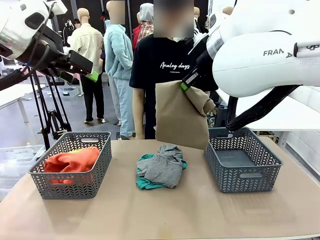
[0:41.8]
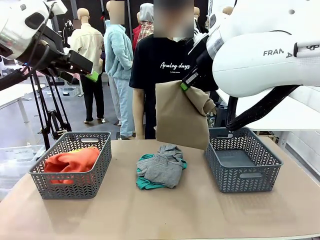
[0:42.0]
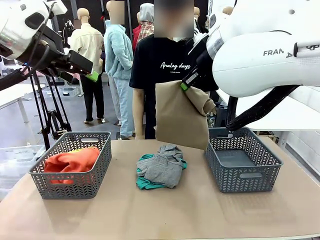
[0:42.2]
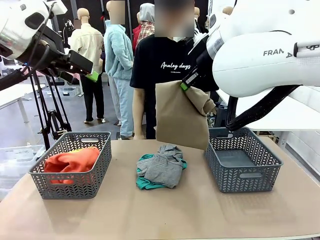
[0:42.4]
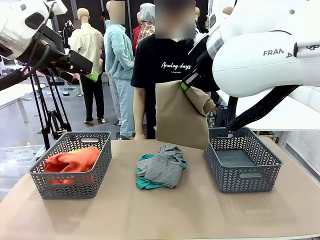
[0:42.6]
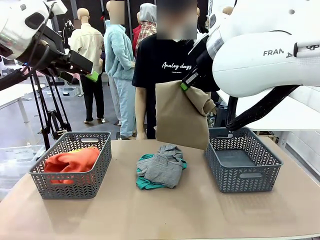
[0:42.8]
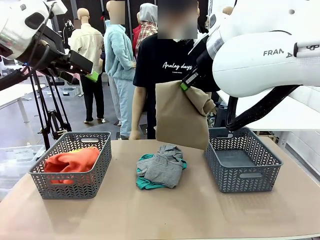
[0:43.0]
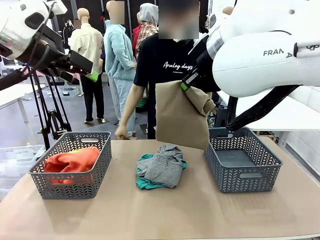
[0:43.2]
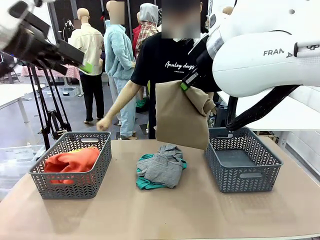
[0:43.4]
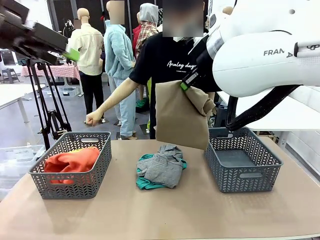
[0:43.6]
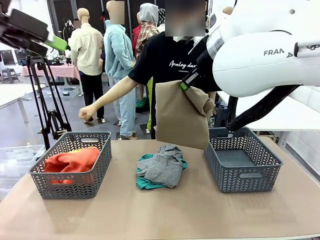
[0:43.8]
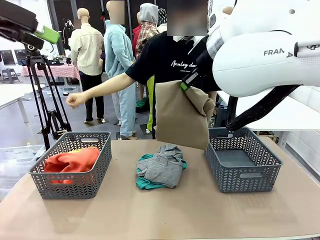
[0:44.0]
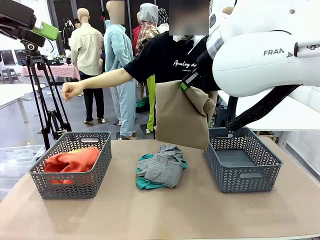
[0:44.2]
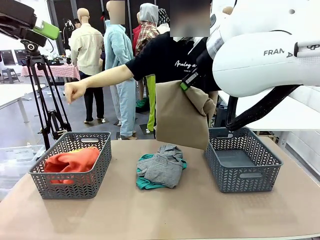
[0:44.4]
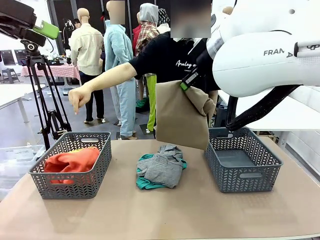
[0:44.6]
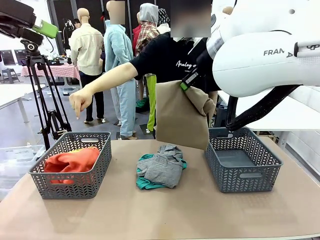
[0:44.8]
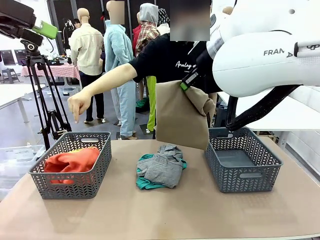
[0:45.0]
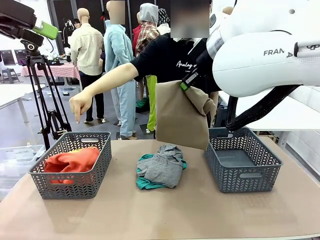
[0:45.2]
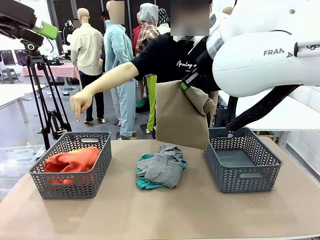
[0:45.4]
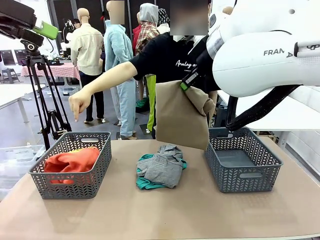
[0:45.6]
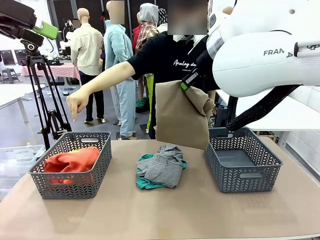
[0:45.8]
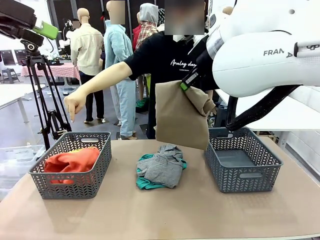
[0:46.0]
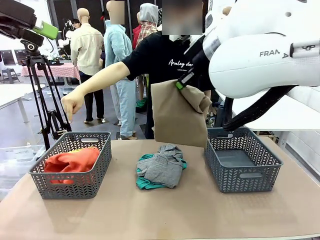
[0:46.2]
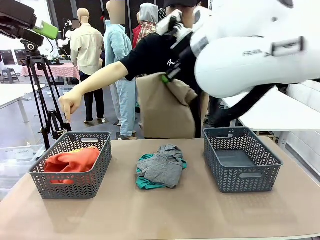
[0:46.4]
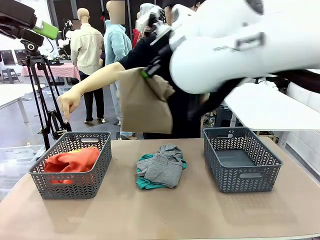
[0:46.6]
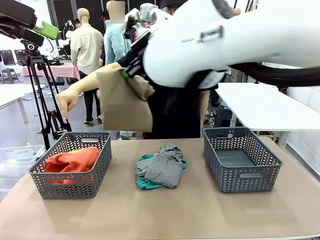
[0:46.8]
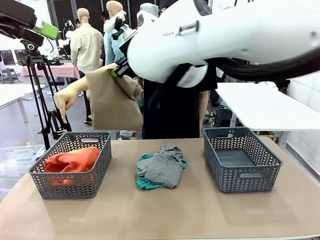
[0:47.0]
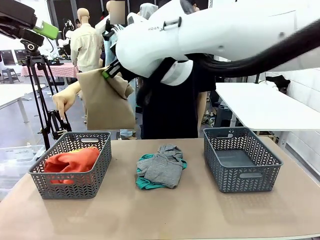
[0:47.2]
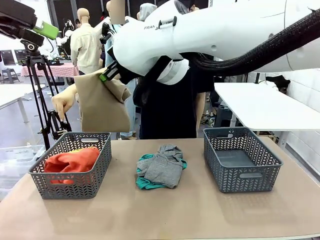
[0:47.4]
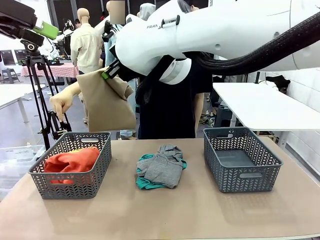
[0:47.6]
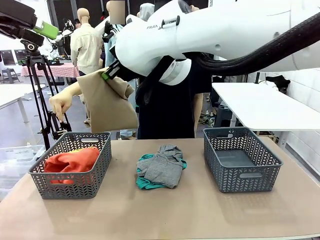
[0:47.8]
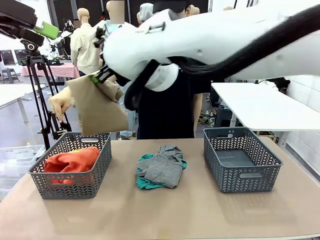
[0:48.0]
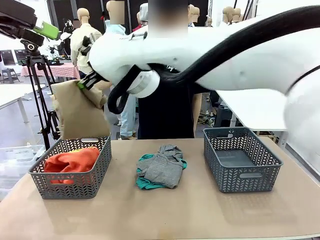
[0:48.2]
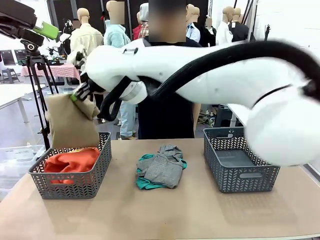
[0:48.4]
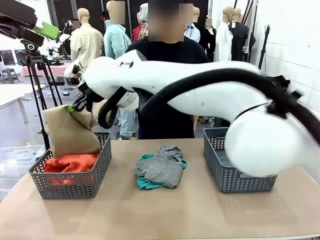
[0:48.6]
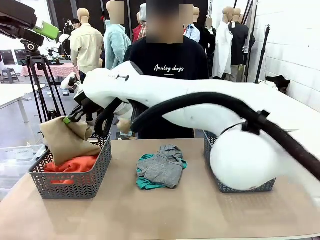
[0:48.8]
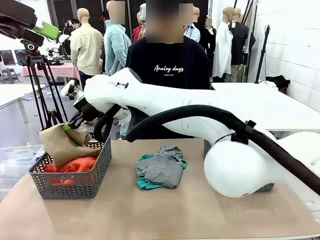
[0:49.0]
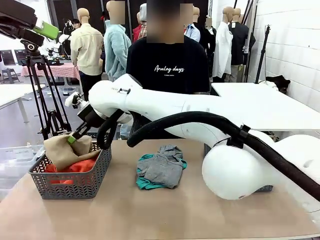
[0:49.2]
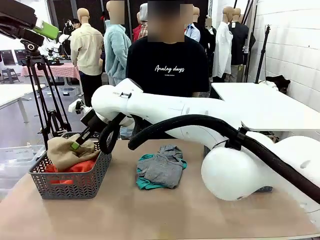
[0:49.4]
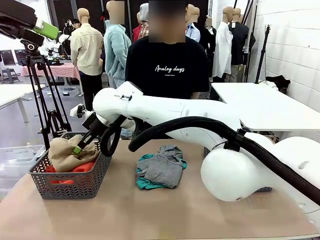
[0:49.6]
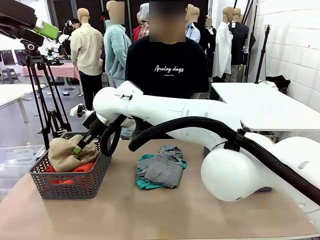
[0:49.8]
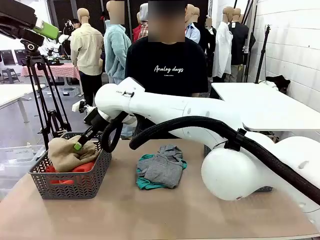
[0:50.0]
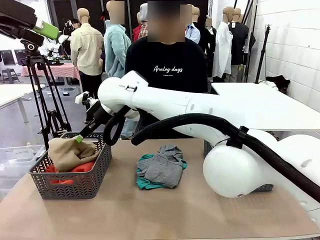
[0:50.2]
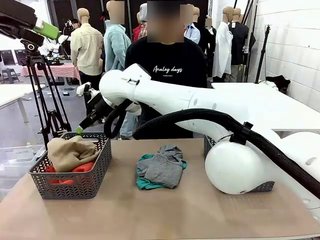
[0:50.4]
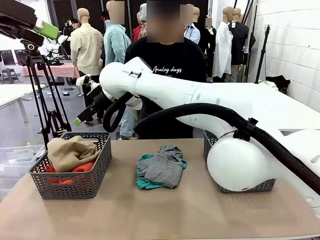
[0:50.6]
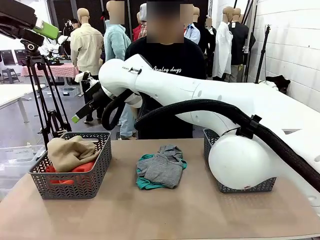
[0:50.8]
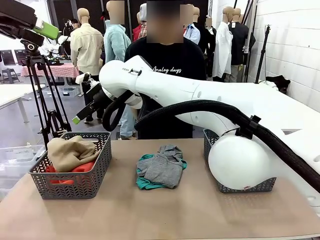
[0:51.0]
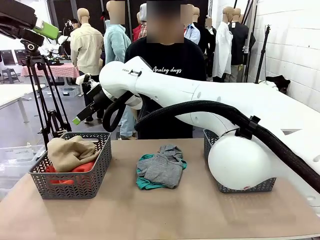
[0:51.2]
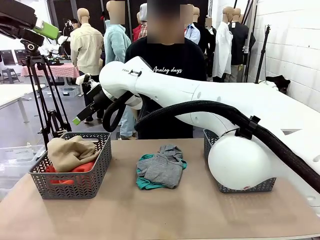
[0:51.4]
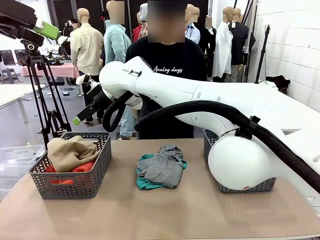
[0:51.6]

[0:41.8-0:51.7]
Task: Sort the tops and bottoms.
Robot: Sort the clothes according to human instructions.

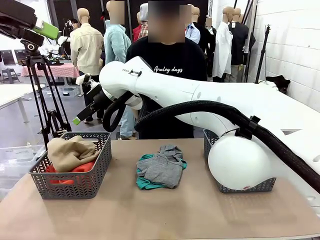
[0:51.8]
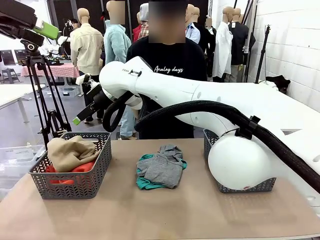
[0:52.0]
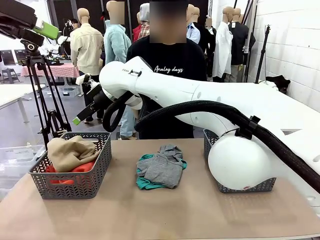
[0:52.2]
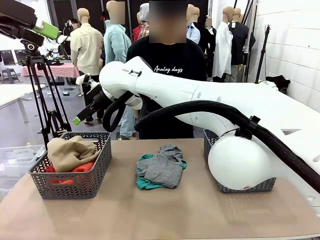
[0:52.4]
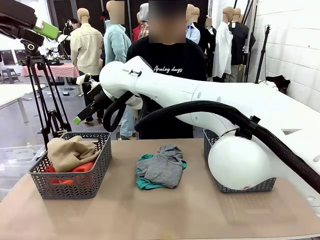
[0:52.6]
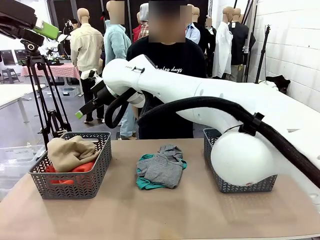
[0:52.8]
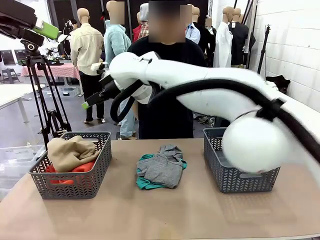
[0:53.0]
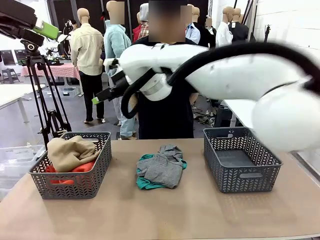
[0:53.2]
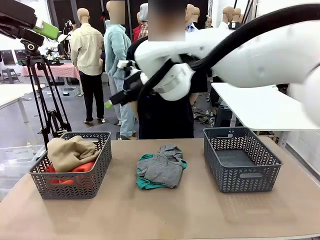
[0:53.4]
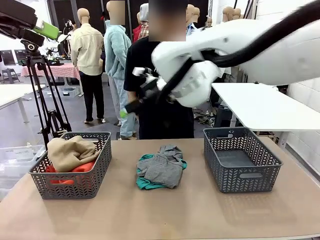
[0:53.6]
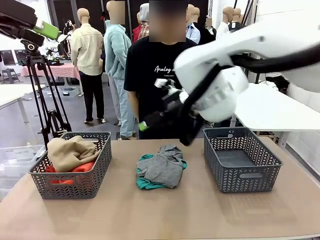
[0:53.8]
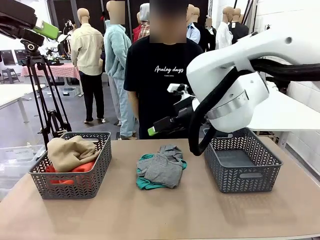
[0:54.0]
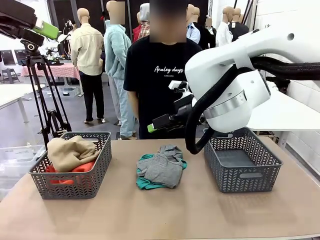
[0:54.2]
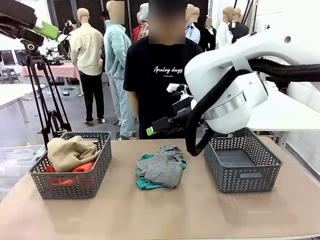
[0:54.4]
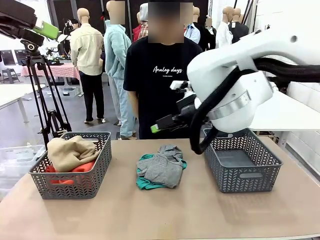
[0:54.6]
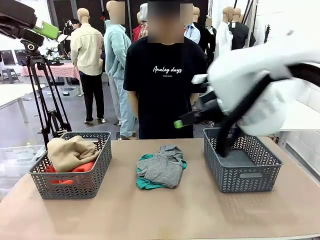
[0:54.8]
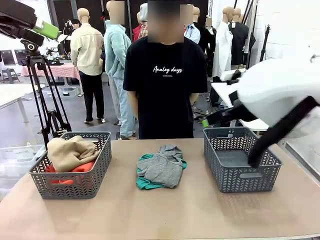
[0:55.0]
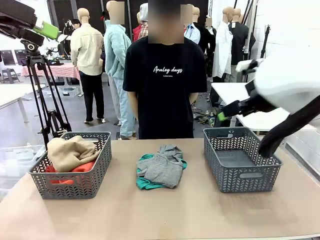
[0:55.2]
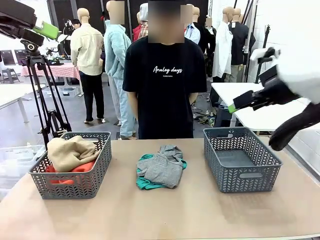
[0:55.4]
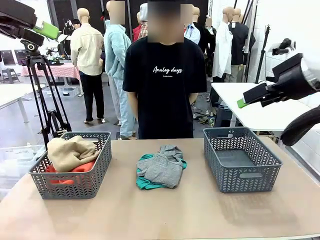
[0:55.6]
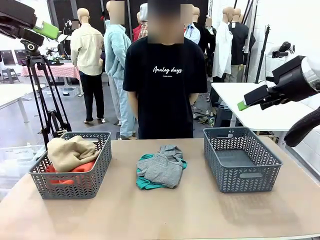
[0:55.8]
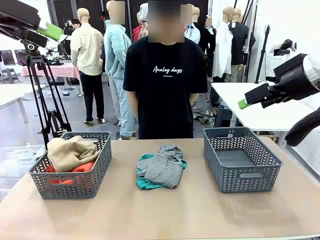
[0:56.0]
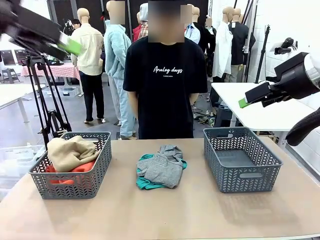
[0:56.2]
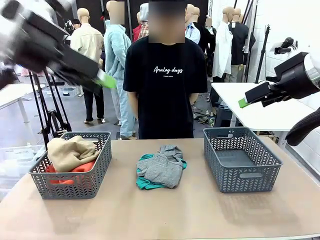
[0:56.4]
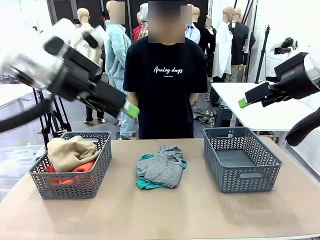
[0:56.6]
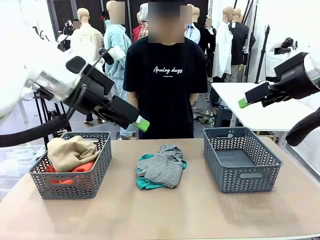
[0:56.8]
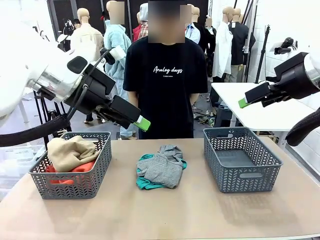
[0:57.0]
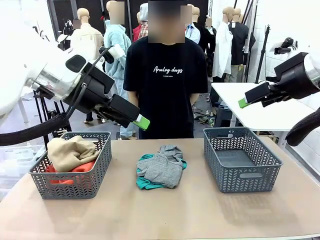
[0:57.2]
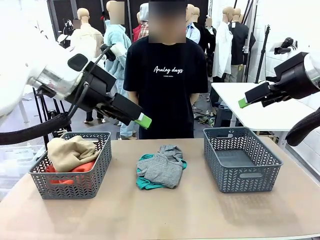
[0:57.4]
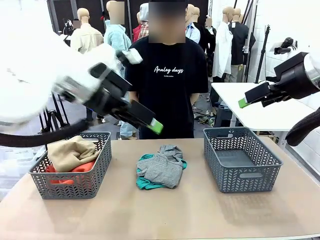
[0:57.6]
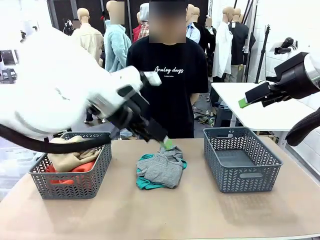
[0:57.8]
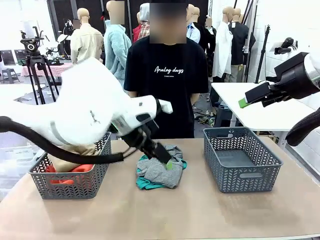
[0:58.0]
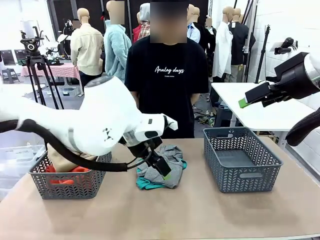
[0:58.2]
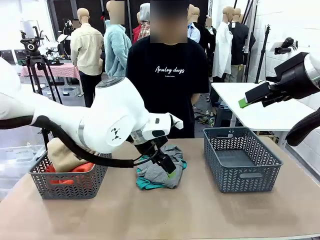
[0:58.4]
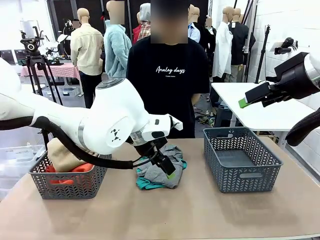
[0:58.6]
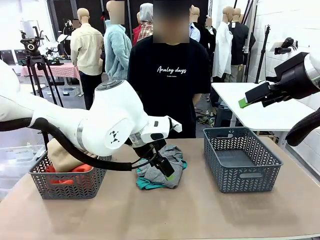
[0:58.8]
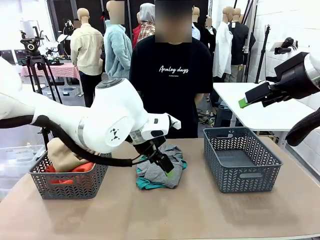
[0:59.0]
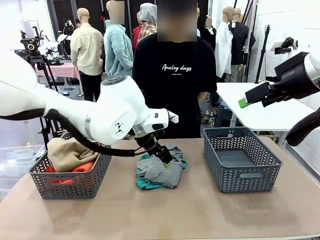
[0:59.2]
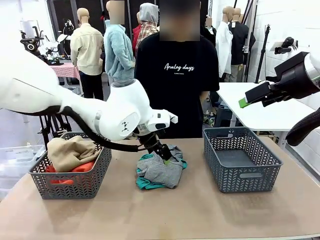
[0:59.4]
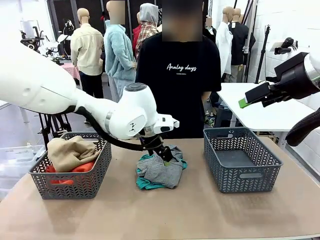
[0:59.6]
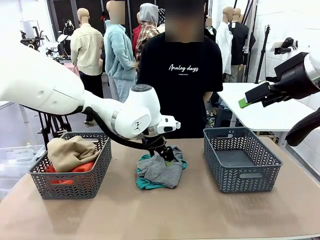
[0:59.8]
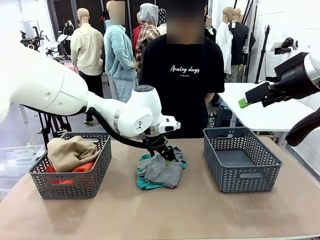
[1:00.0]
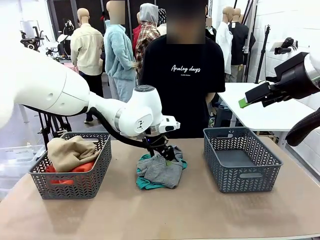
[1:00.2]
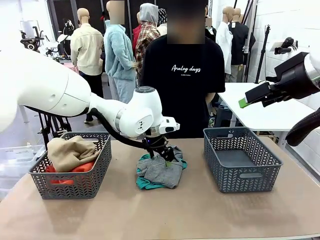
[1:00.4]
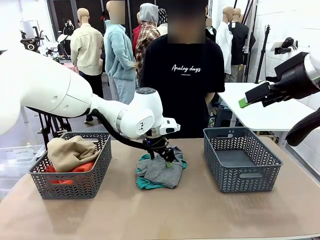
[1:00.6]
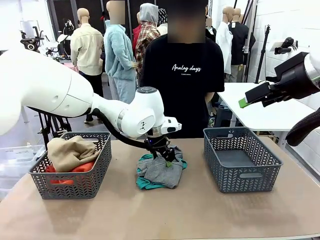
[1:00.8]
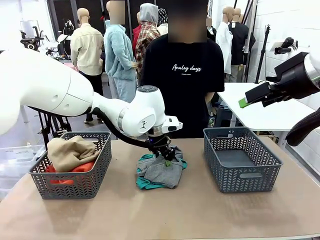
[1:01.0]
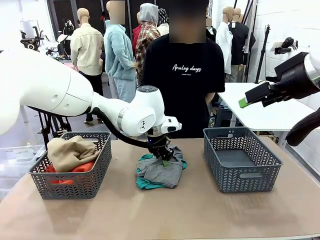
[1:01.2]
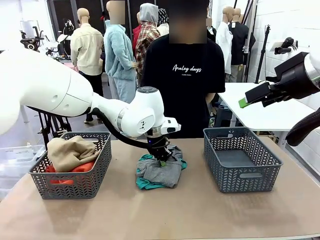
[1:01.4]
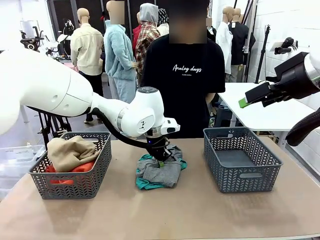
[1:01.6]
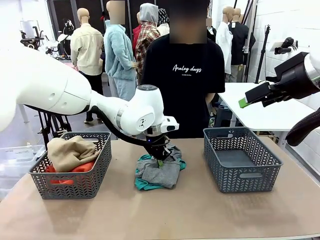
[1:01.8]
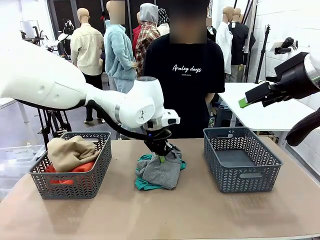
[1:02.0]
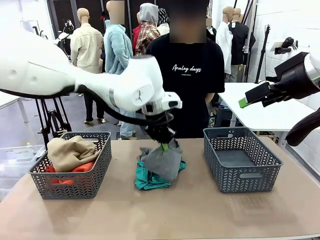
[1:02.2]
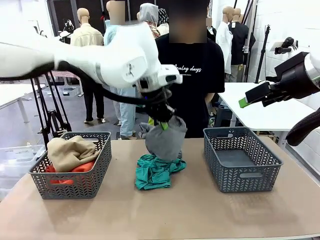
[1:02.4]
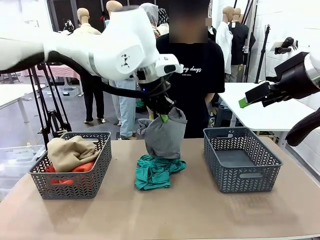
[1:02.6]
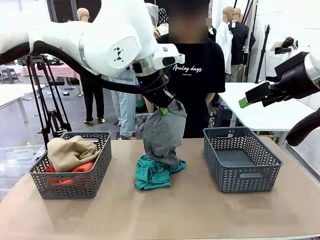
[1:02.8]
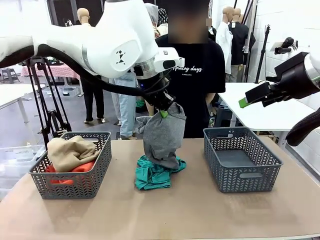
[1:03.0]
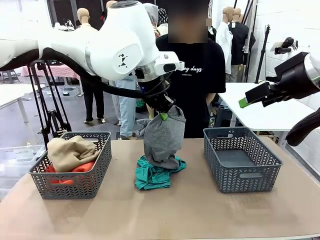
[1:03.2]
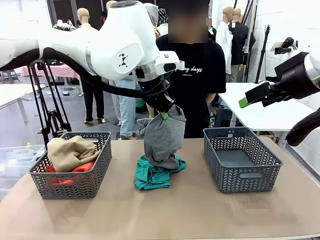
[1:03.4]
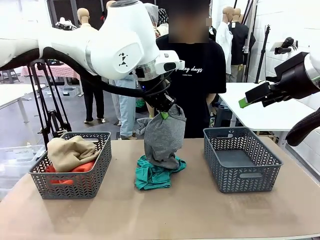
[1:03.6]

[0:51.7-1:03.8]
Robot: Lift clothes from the center of the table with your left hand.
